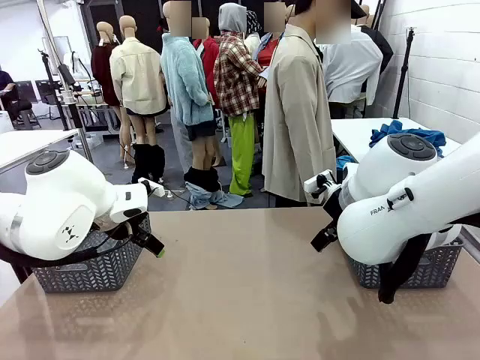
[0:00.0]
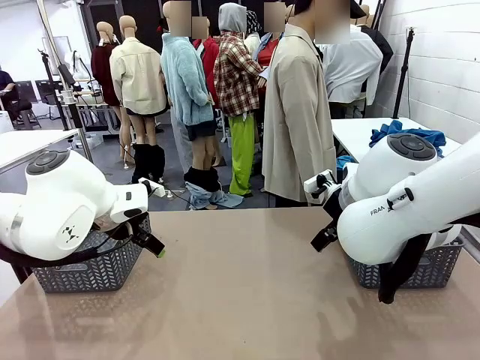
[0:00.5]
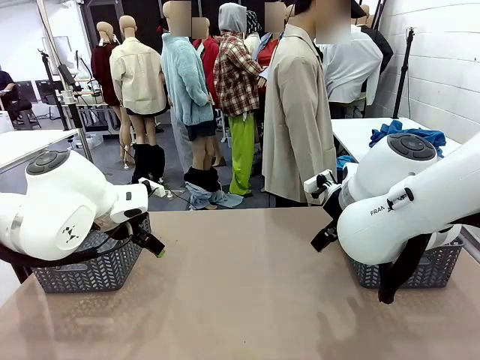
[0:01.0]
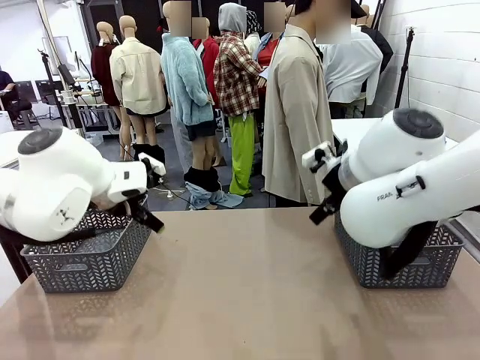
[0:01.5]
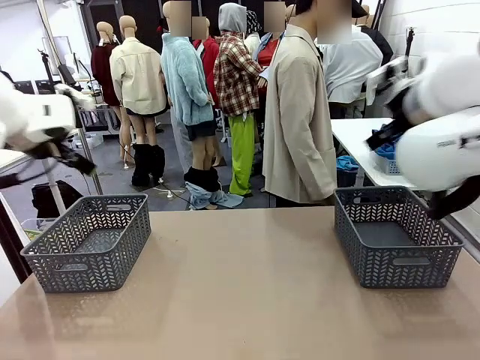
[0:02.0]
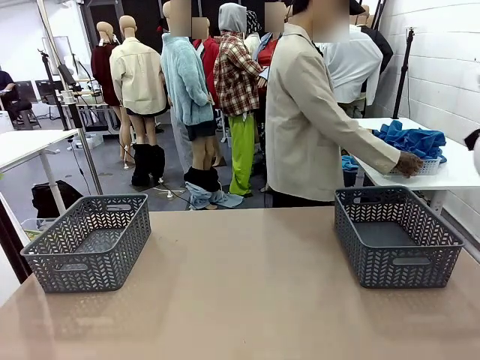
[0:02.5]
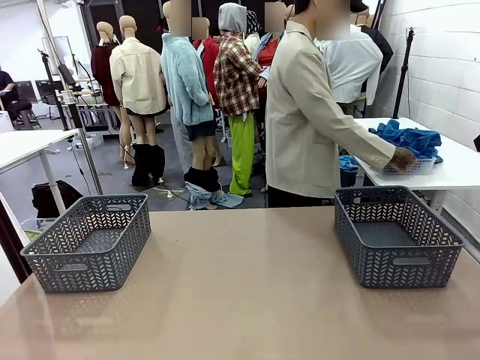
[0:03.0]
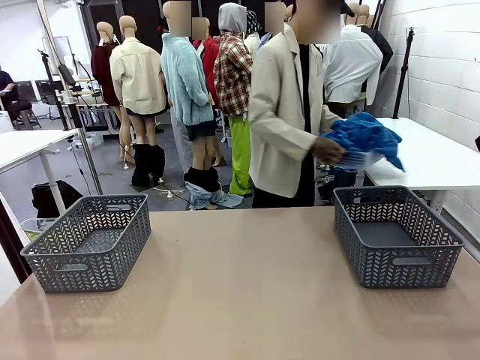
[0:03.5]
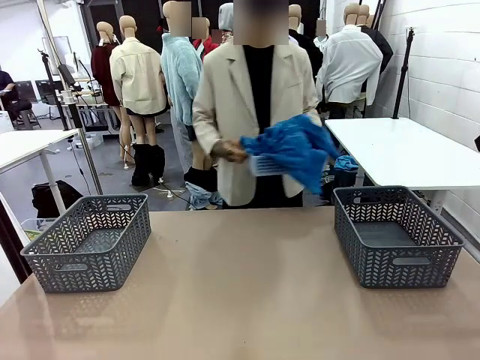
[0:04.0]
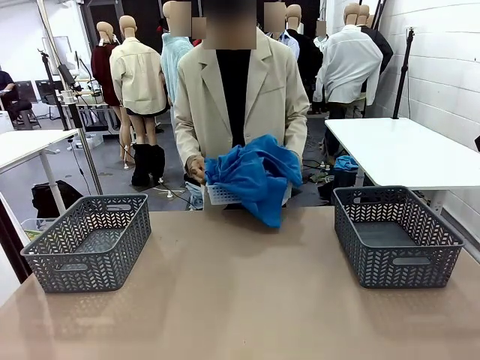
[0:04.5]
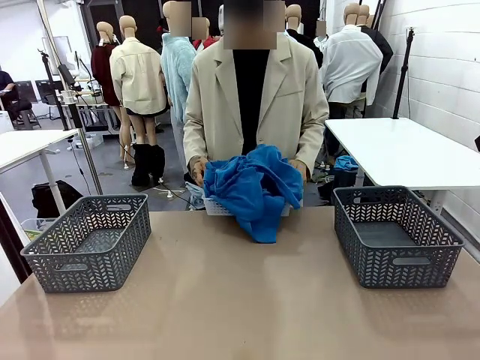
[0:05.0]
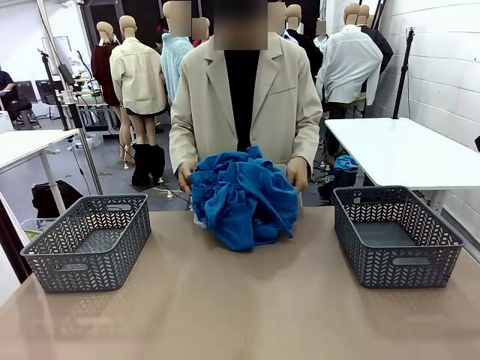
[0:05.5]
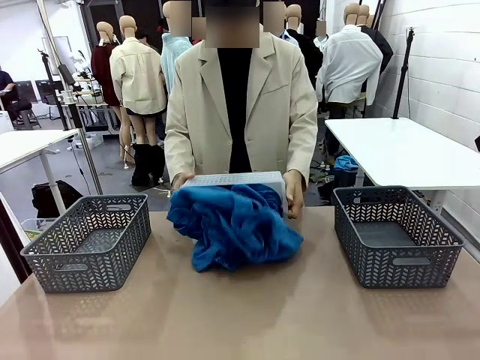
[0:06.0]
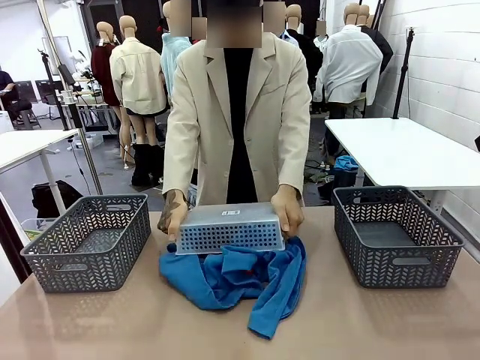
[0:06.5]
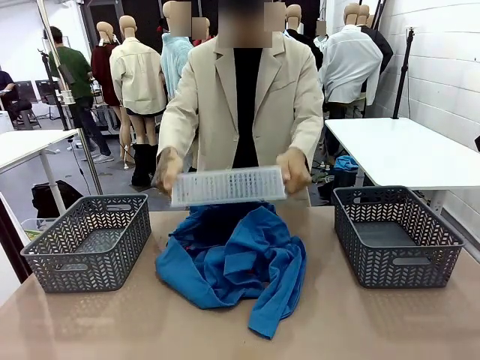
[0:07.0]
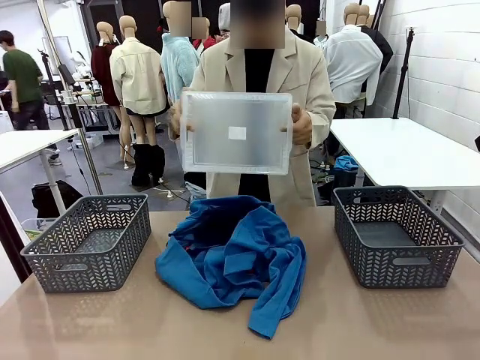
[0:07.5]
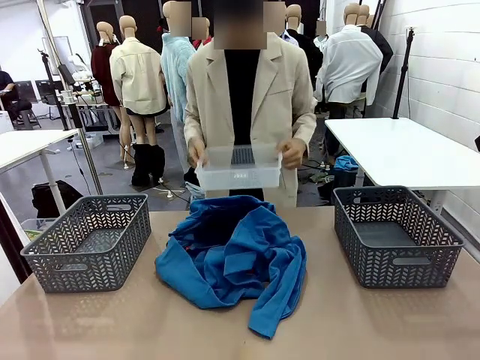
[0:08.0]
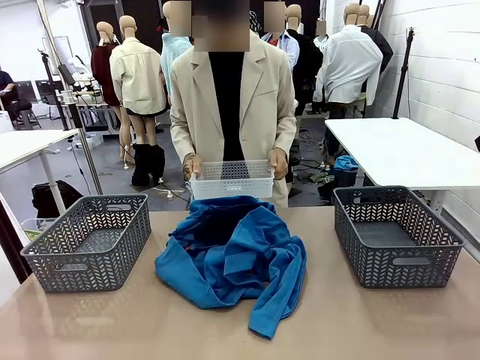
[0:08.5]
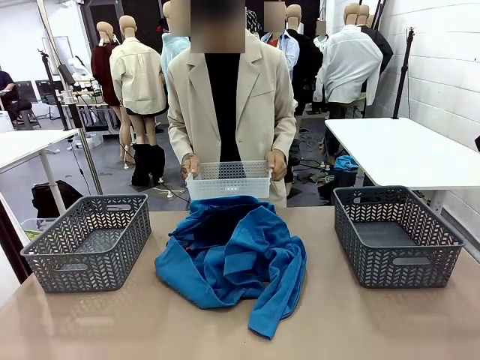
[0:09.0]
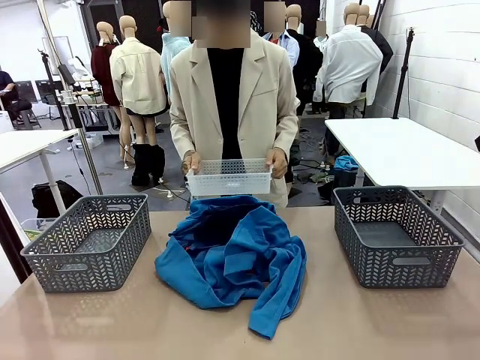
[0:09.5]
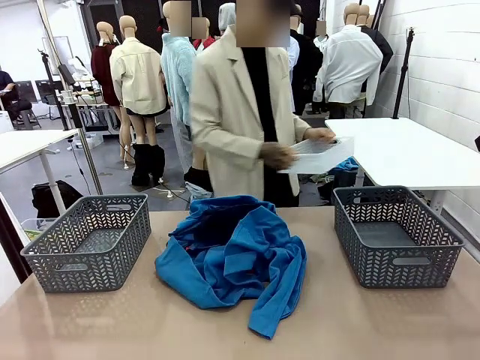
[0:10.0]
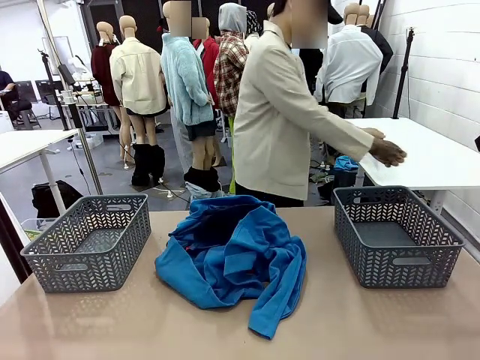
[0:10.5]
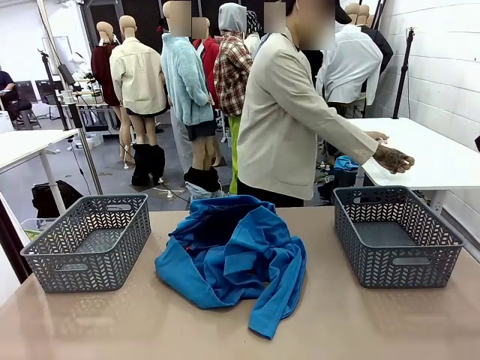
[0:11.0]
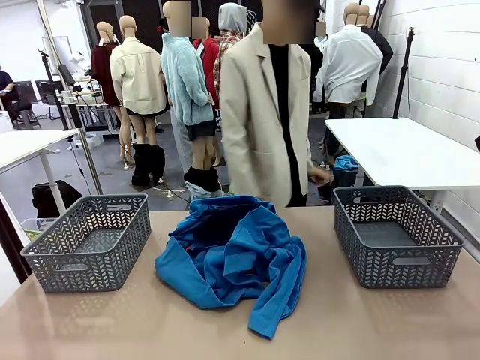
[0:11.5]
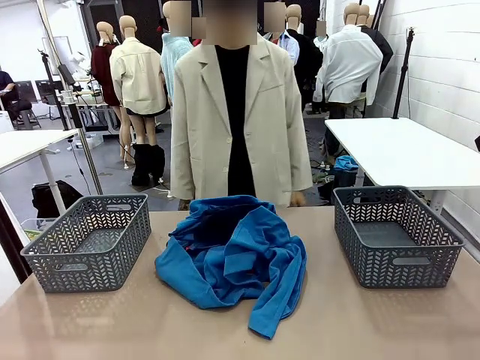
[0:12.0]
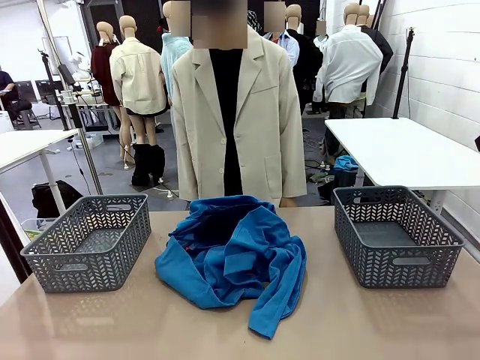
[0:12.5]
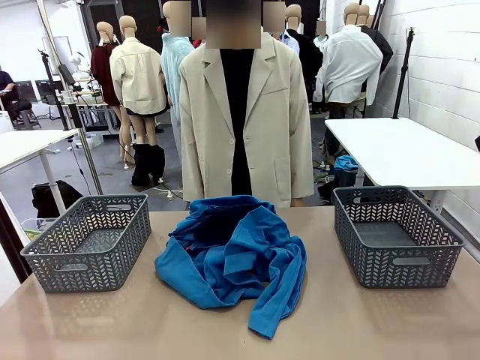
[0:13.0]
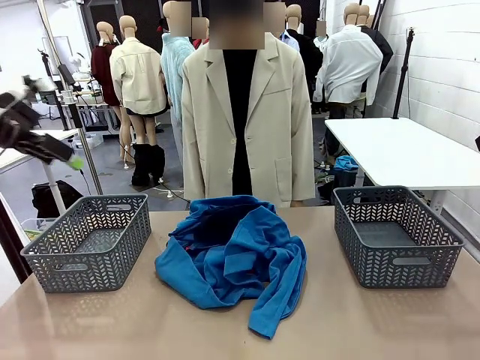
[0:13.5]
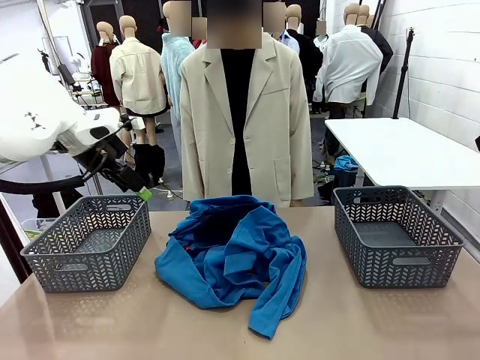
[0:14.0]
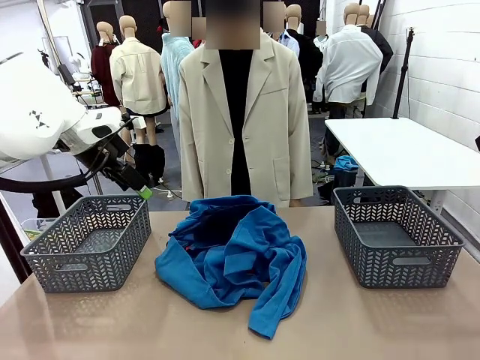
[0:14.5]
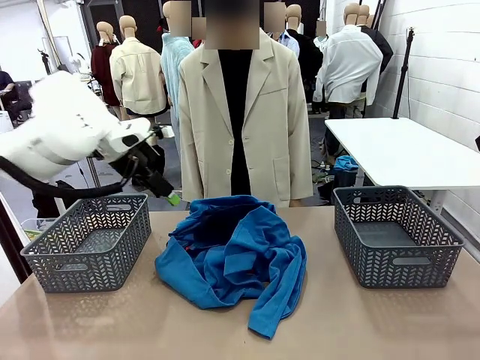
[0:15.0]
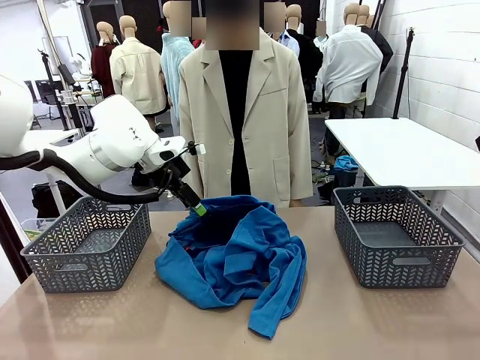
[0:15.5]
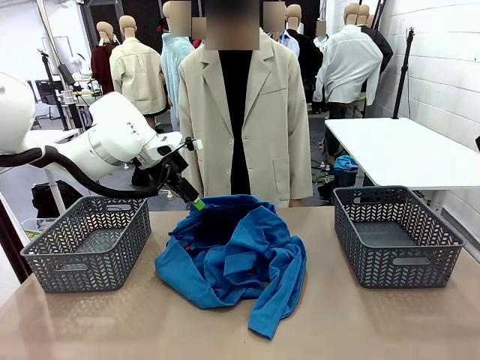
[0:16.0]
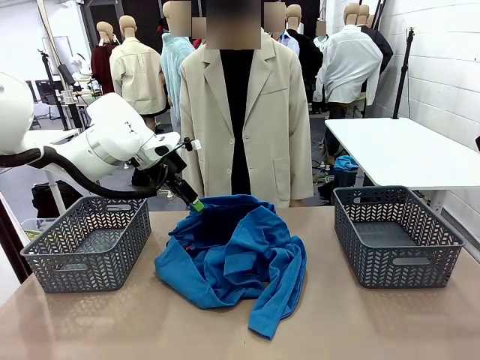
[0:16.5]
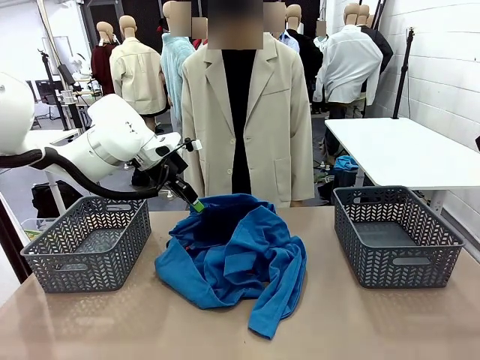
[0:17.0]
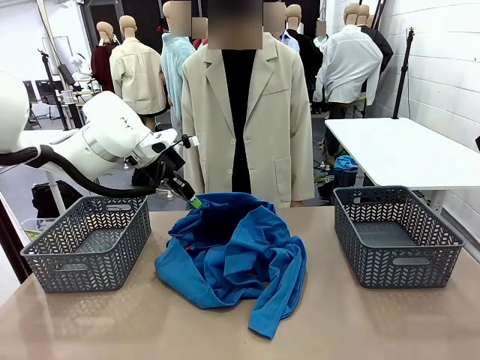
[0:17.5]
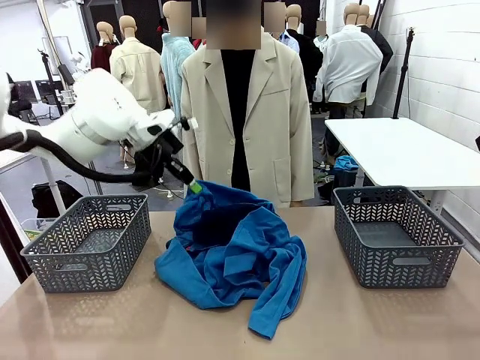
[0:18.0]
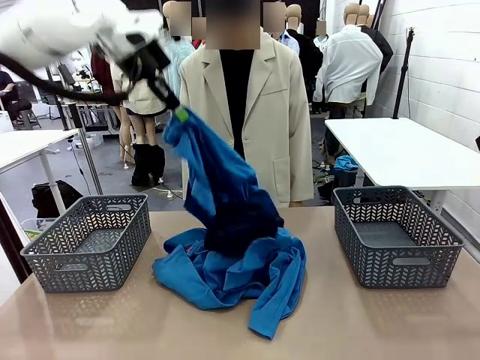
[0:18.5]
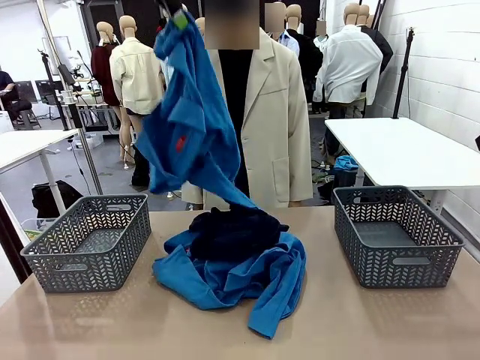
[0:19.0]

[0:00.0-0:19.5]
Task: Sort the tops and bottoms.
Robot: Lift clothes from the center of the table with your left hand.
Person: Pour the clothes from the basket onto the center of the robot table.

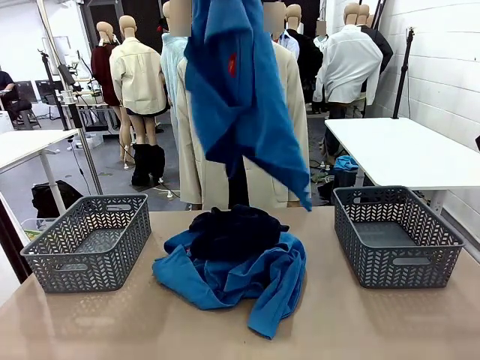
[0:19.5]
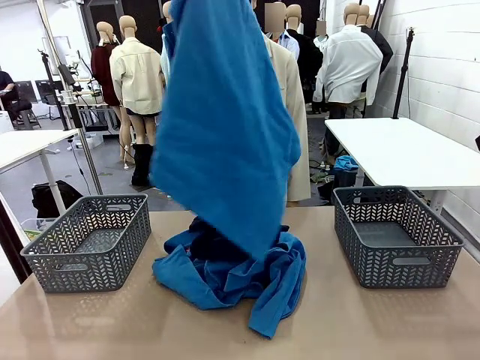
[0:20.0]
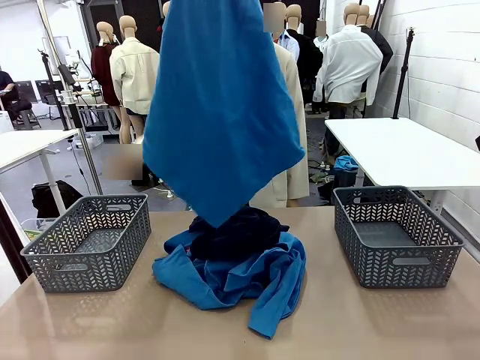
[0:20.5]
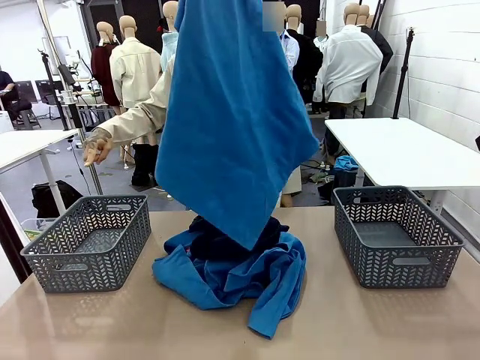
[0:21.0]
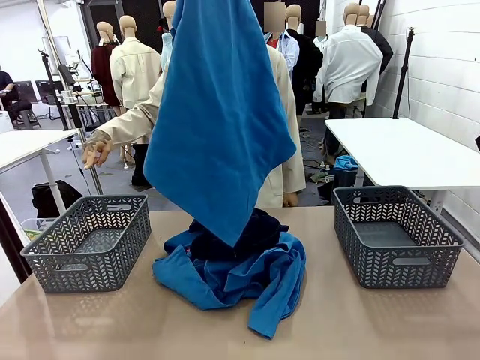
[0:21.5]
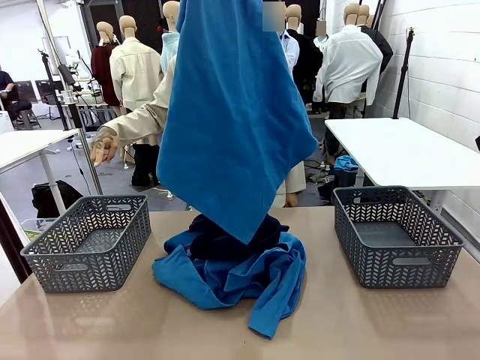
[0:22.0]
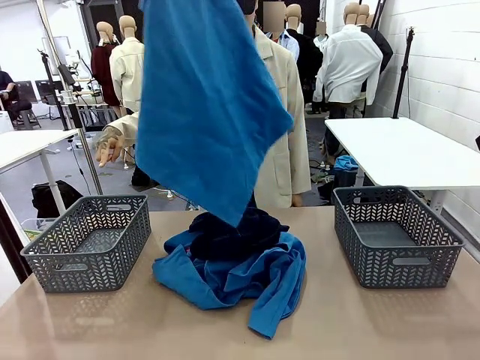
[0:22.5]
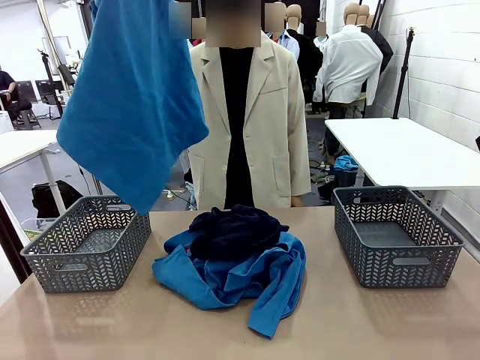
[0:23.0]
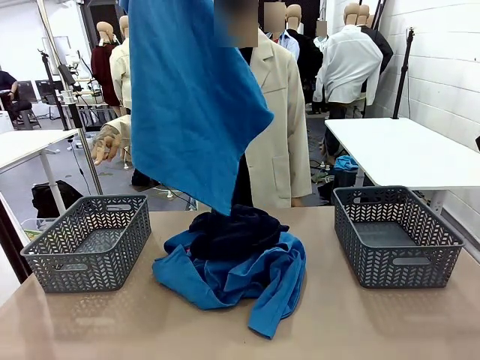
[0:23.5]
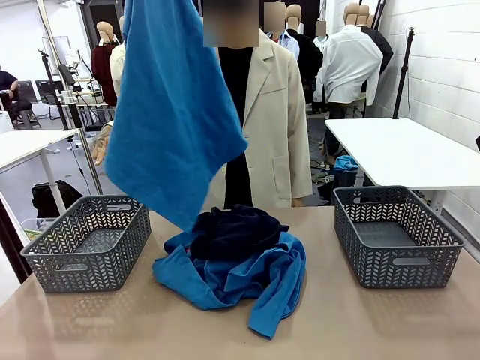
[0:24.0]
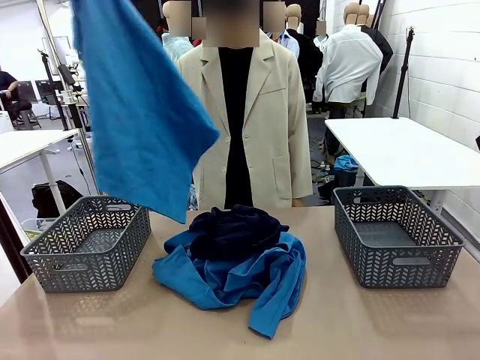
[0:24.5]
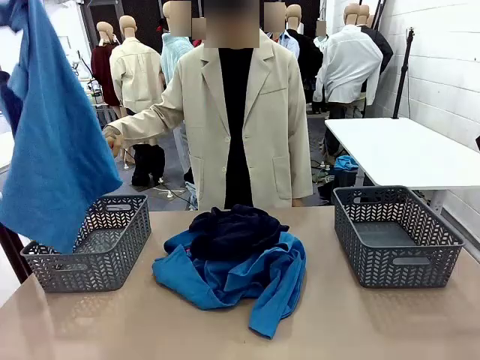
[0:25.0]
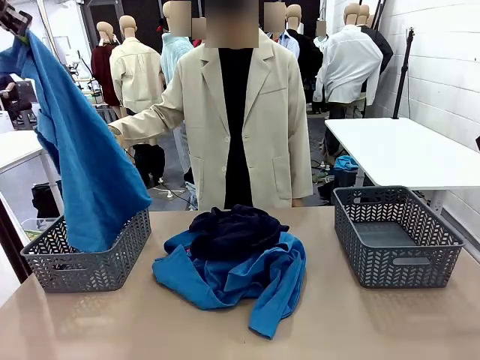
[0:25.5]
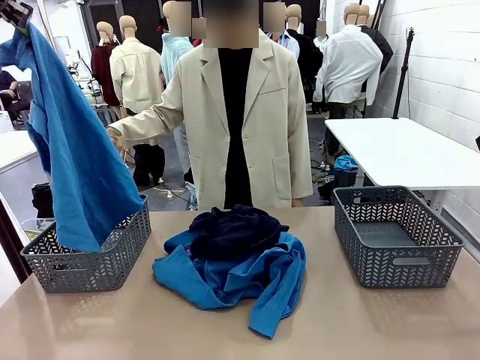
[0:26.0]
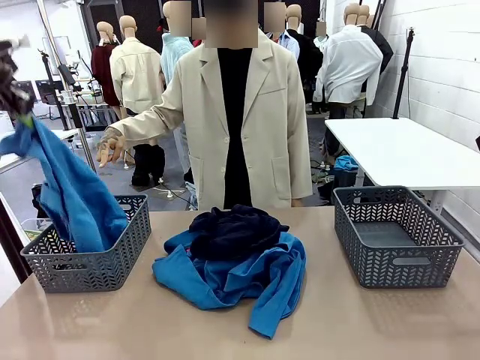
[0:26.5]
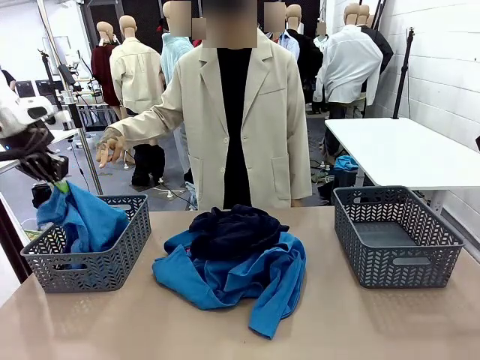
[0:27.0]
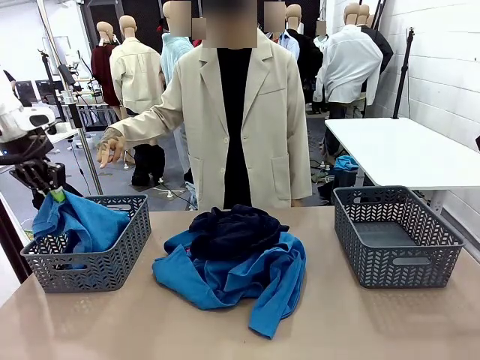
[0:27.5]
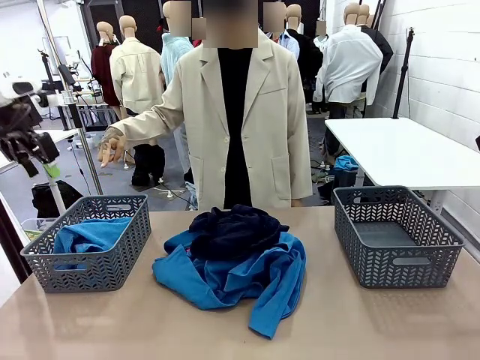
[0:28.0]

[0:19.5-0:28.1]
Robot: Sort the clothes according to human instructions.
